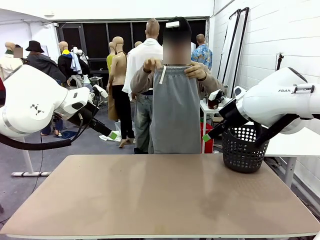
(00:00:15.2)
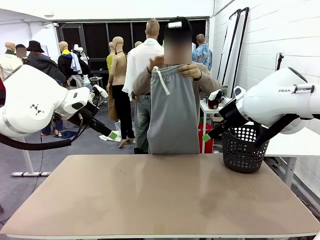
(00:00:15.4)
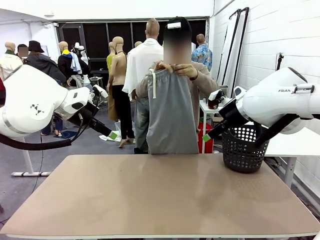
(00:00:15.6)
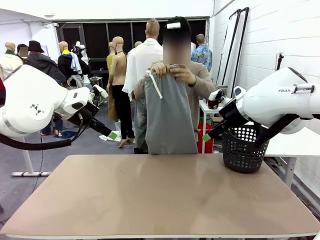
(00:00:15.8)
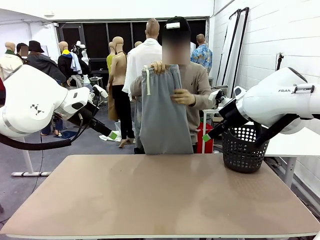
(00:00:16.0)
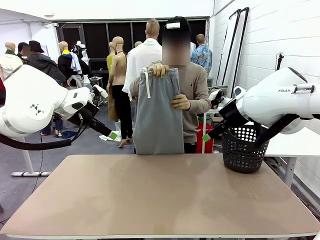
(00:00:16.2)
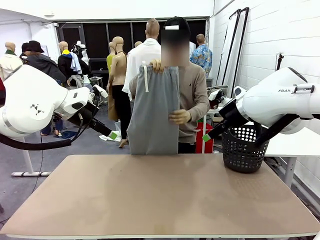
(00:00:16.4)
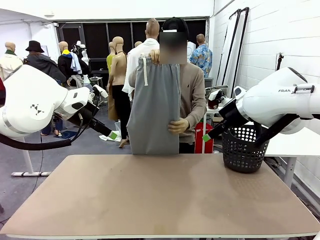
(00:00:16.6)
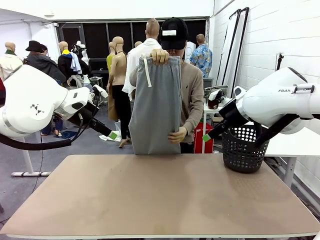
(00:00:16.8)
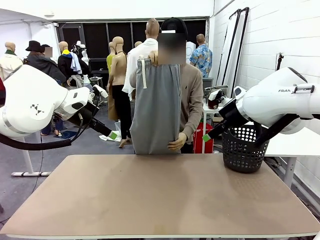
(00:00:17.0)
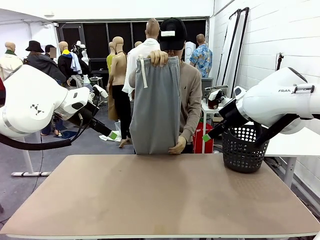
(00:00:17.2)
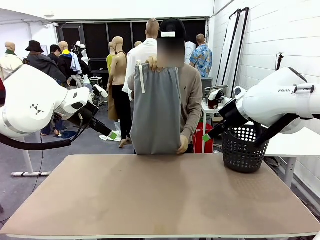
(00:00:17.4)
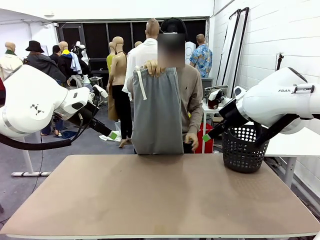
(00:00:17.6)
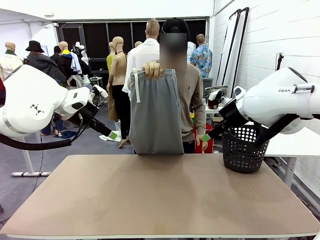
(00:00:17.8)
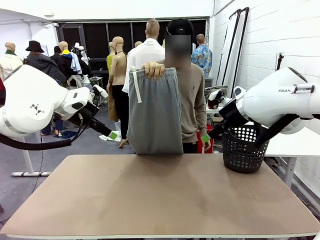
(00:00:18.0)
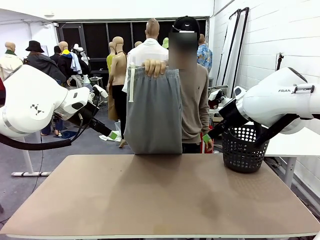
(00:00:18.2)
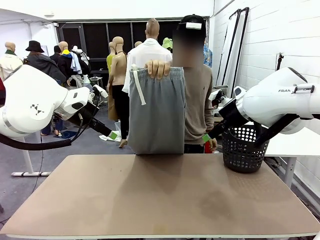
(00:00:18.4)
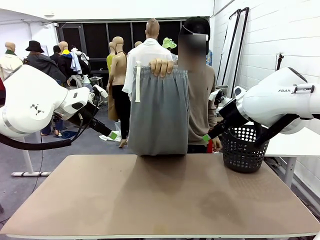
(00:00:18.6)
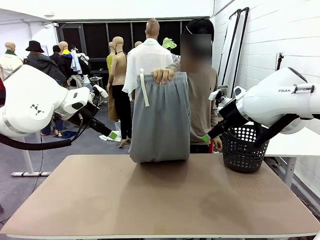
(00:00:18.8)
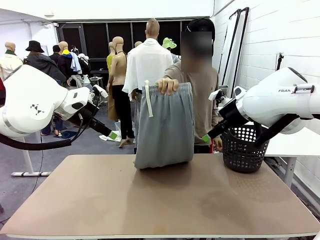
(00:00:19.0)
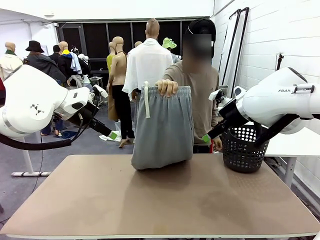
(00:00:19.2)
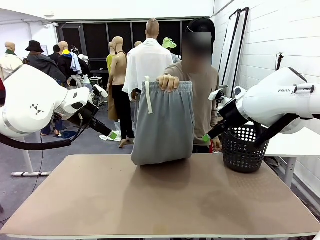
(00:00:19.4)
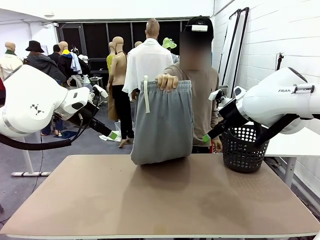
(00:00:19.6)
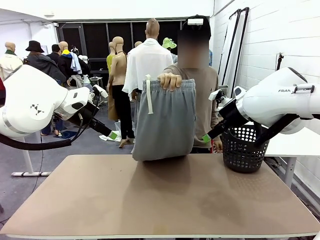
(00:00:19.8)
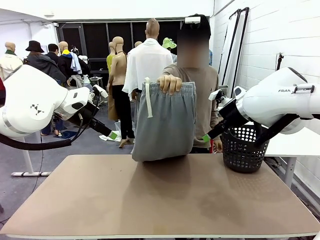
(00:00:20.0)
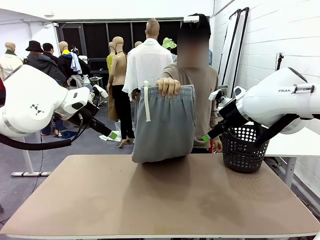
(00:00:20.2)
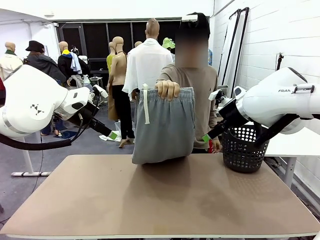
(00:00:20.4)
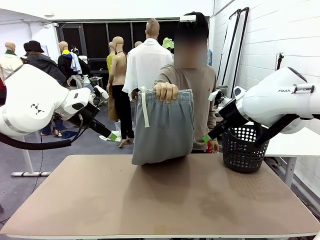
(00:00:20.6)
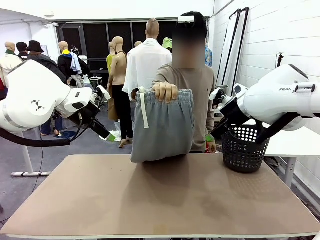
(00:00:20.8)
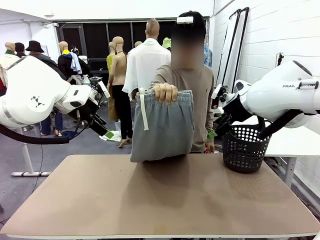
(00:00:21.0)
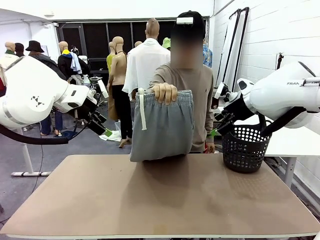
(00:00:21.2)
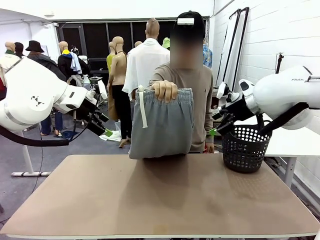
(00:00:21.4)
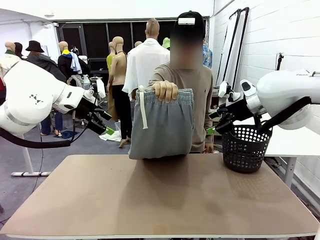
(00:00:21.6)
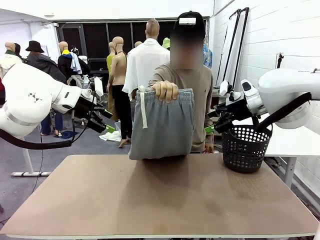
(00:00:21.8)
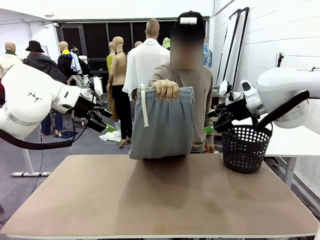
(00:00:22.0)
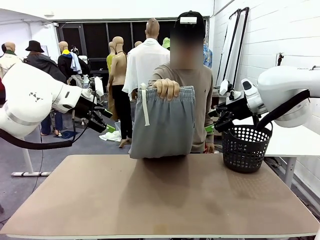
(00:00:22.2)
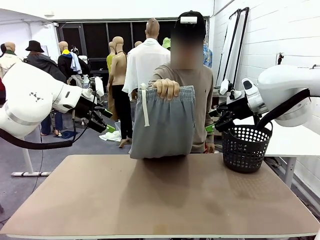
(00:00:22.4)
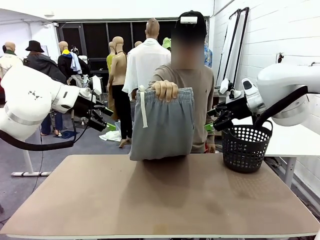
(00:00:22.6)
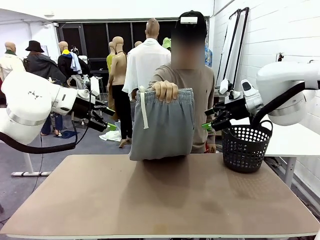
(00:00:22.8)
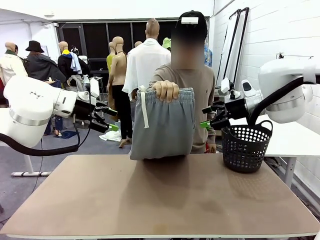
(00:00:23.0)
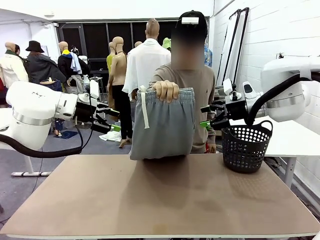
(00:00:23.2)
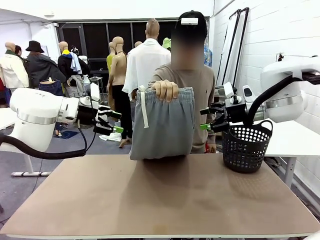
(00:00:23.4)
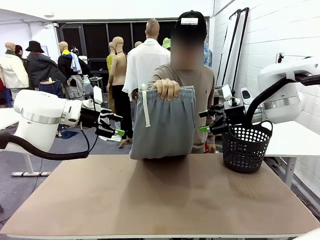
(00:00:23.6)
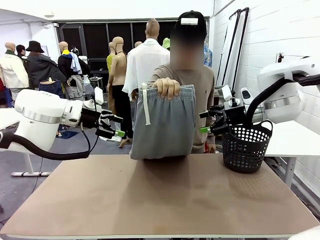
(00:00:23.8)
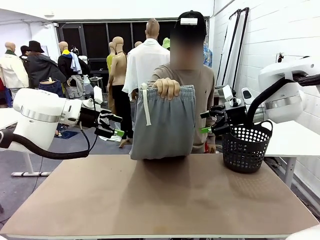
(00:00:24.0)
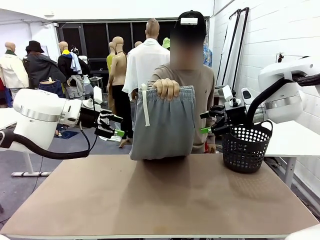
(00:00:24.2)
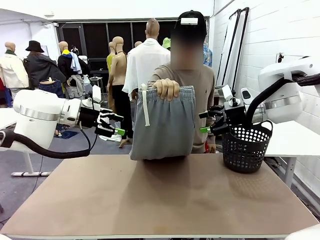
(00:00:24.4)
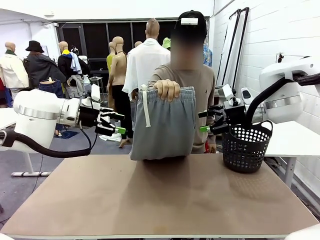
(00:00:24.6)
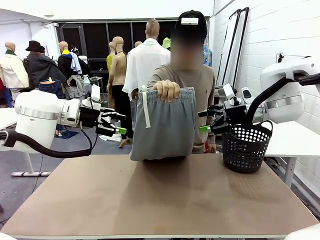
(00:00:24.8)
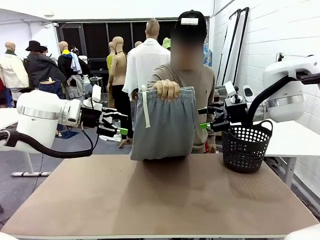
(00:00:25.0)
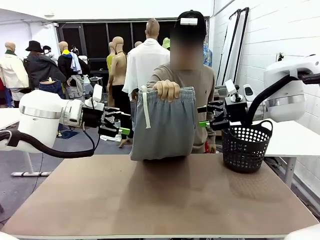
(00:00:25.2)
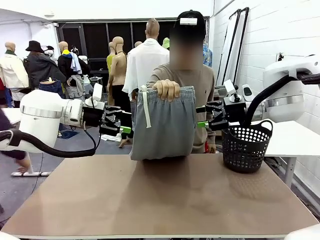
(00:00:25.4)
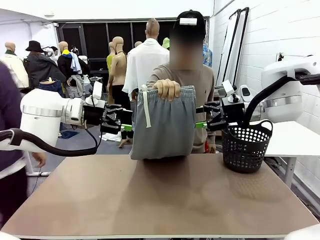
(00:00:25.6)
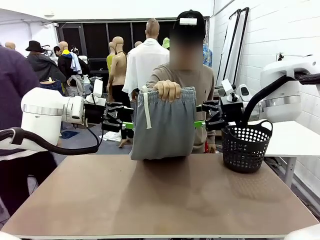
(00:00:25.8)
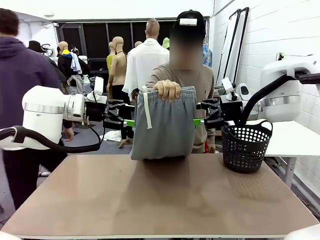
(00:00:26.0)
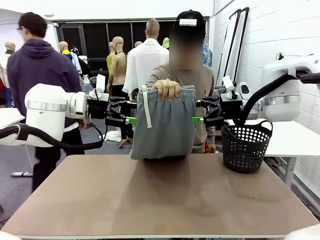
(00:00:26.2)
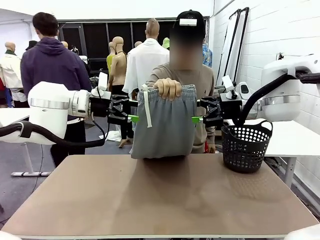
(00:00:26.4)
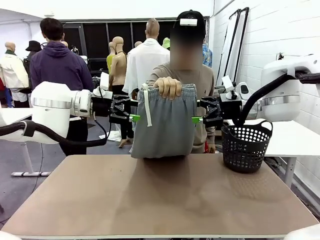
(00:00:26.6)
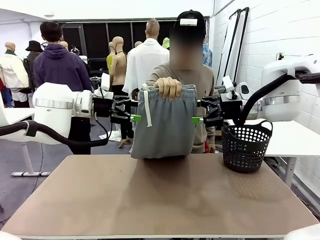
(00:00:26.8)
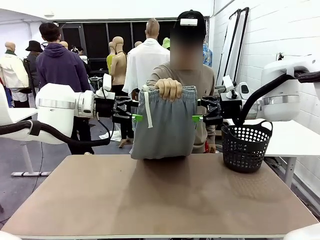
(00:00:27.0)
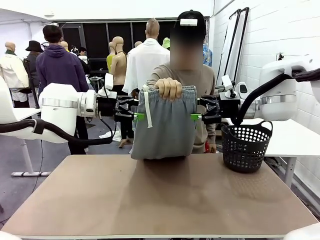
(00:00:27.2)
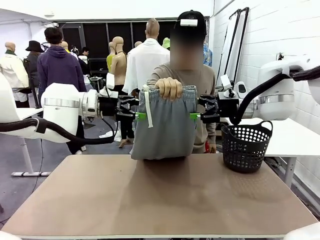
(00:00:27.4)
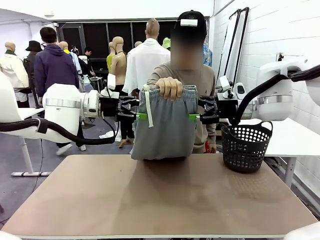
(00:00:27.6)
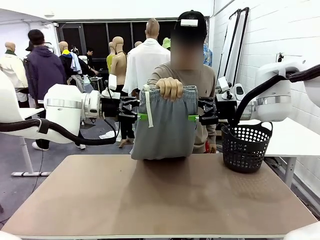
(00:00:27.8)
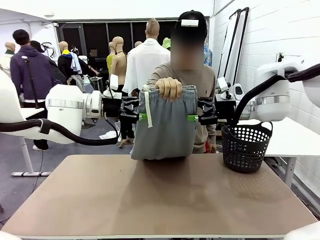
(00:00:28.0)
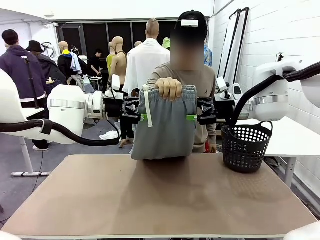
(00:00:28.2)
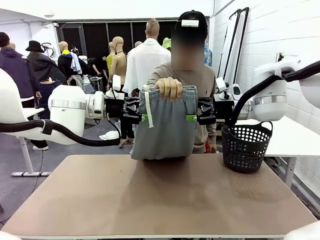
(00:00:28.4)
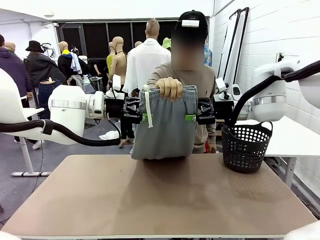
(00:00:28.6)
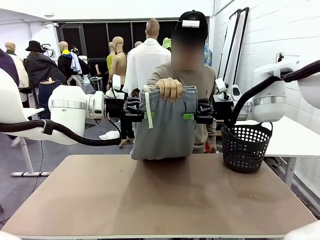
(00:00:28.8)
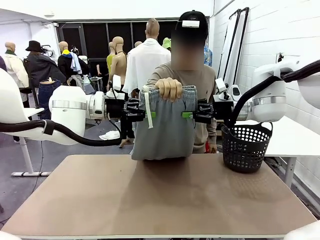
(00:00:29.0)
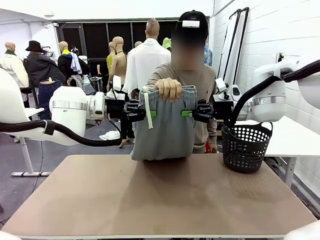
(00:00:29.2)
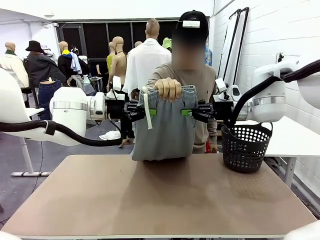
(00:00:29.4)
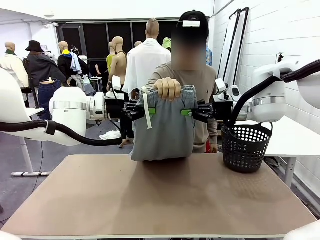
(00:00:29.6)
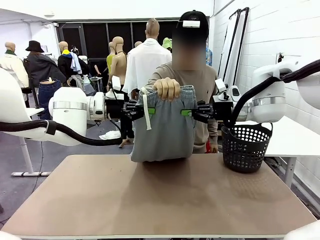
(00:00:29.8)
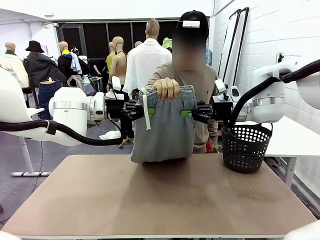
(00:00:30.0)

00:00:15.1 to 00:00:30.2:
Task: Fold the training pants.
Robot: Grab both ends of the Training pants handed by a person.
